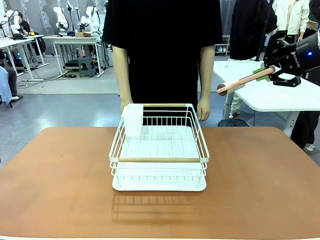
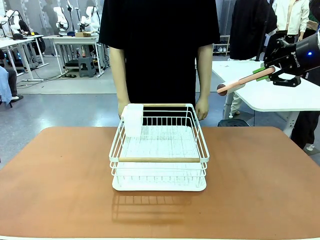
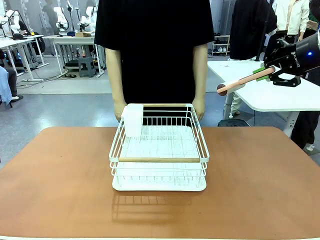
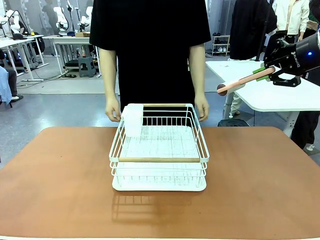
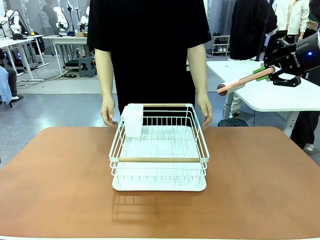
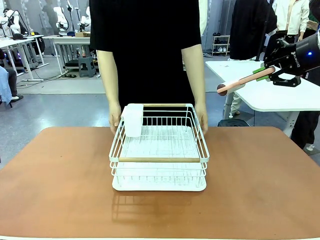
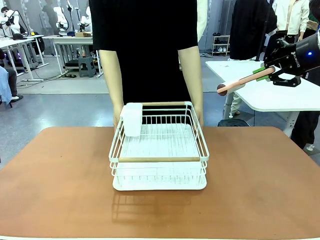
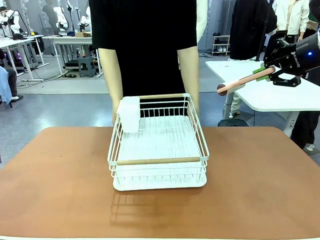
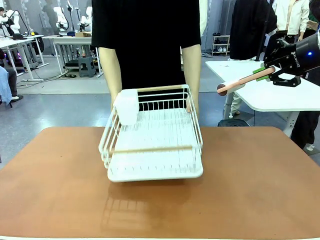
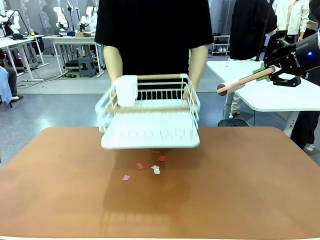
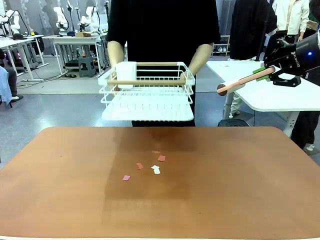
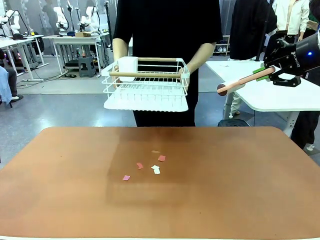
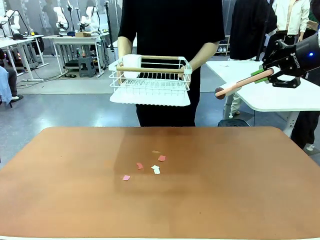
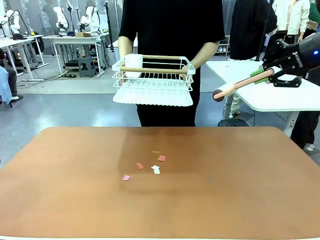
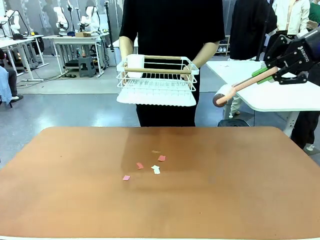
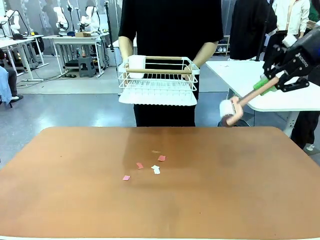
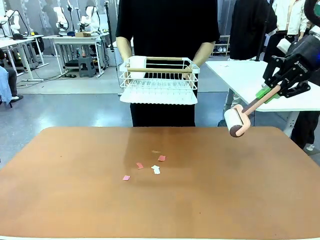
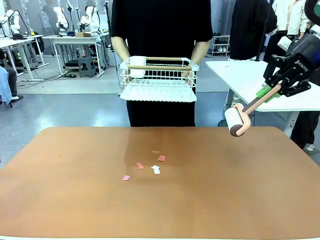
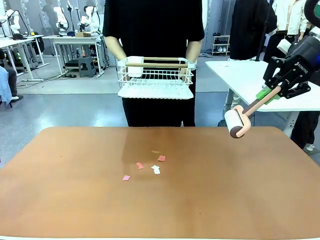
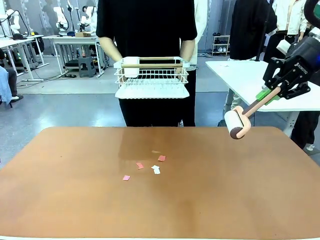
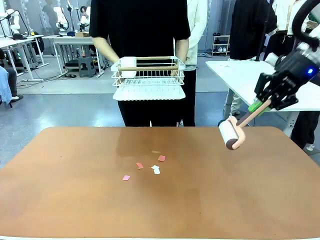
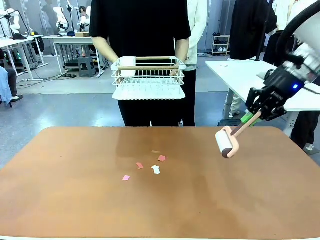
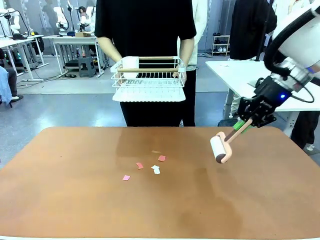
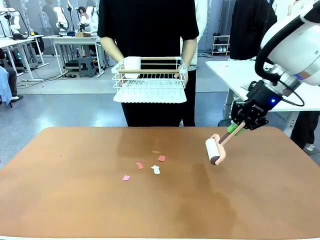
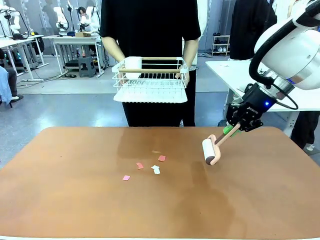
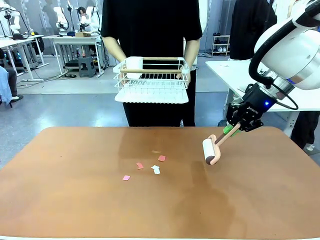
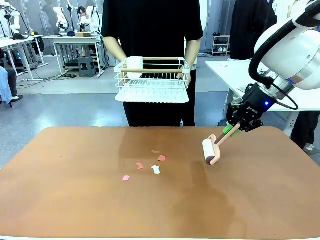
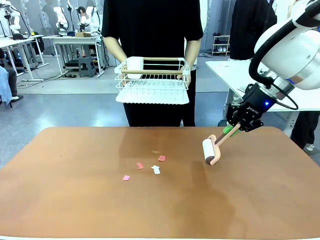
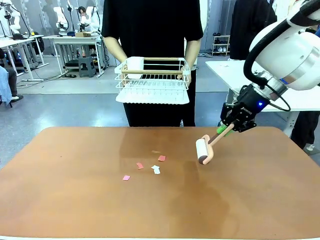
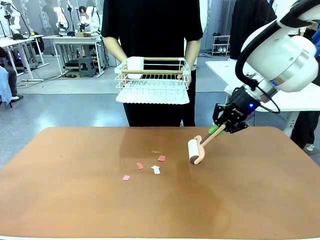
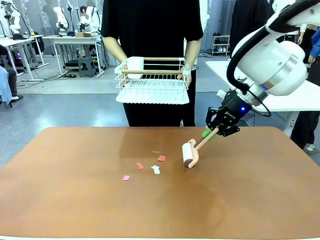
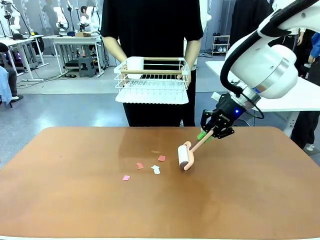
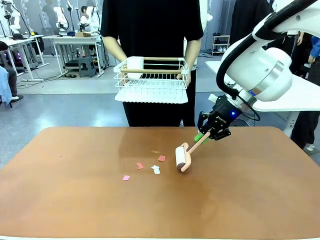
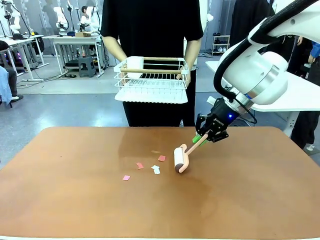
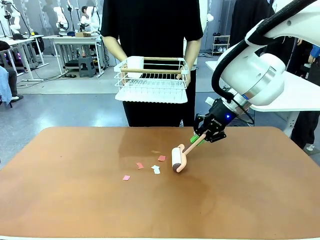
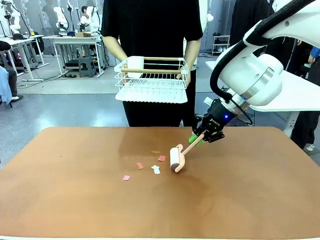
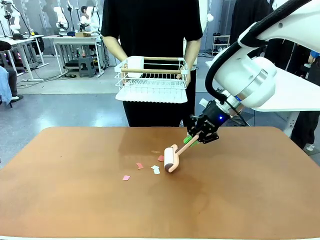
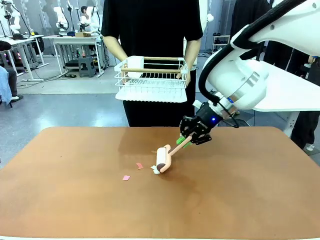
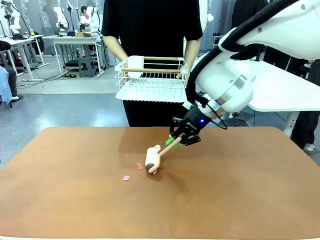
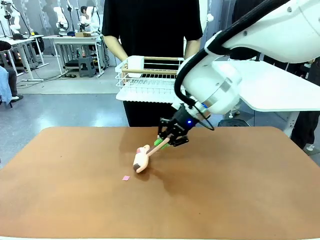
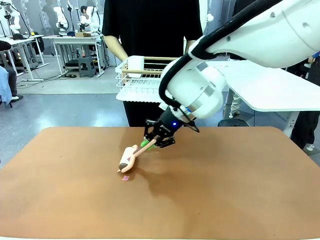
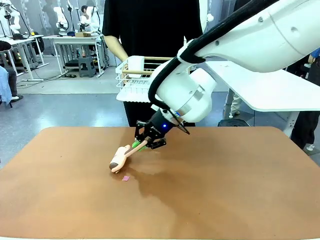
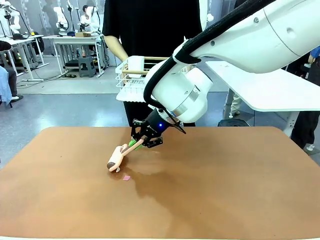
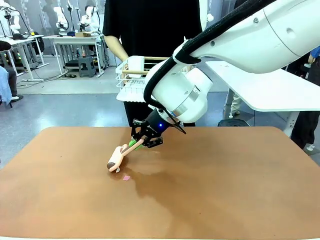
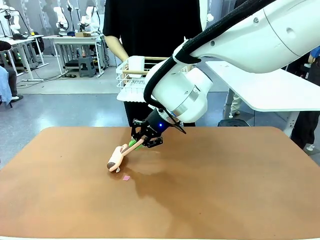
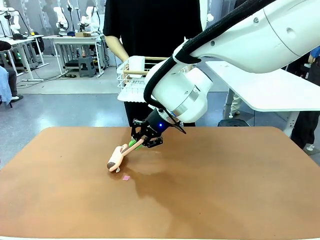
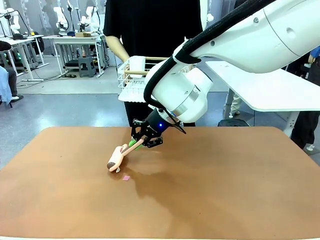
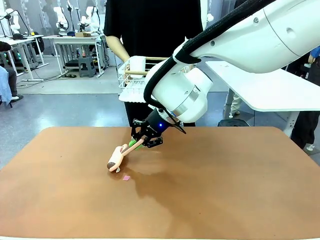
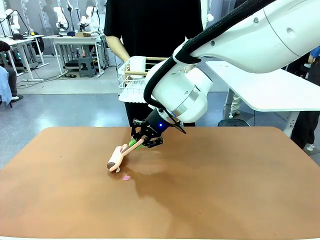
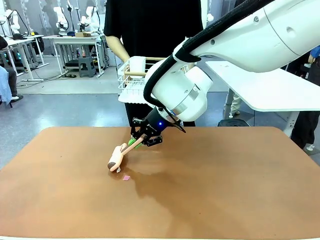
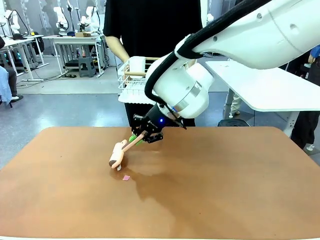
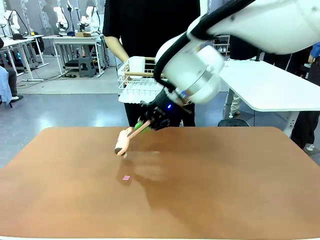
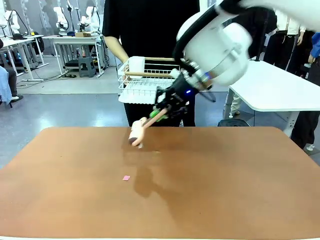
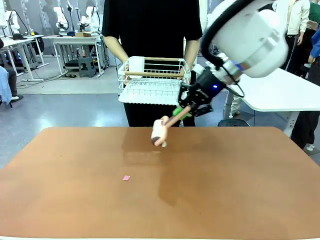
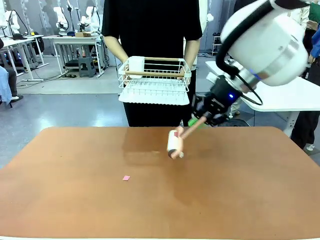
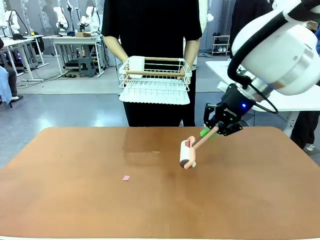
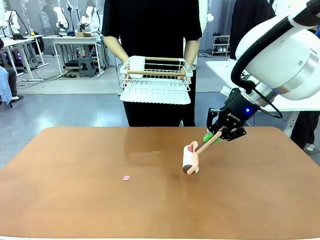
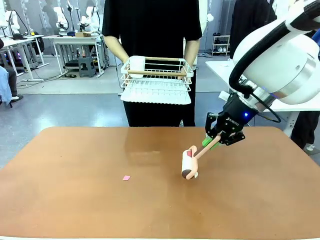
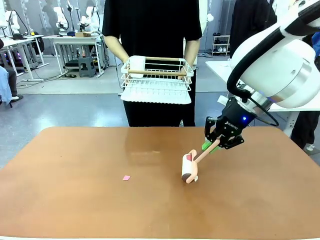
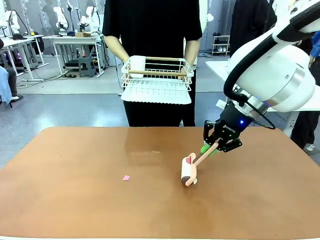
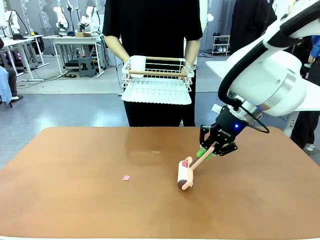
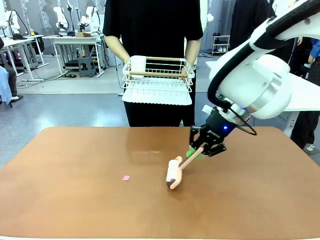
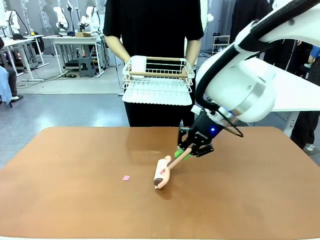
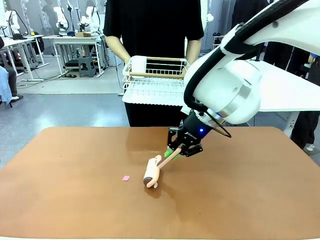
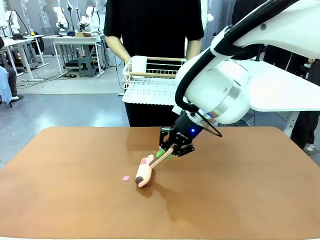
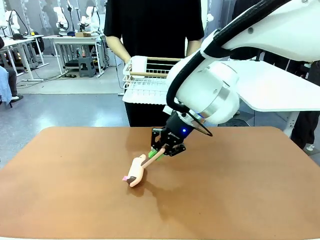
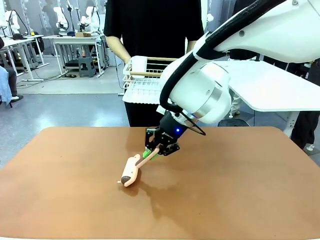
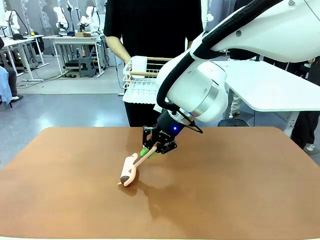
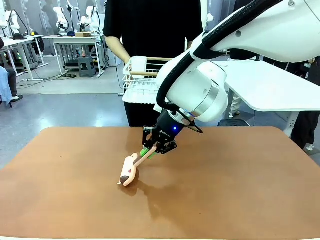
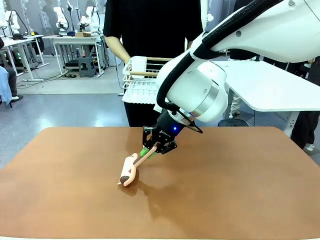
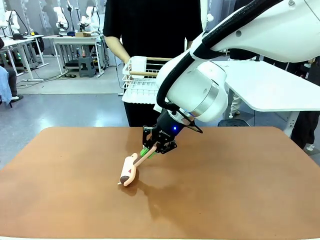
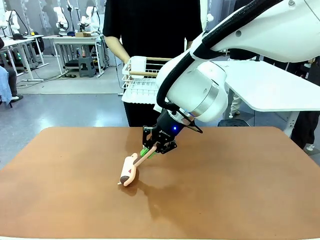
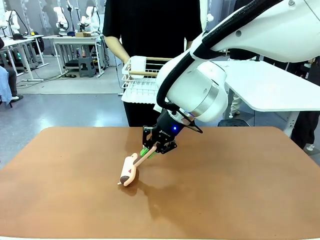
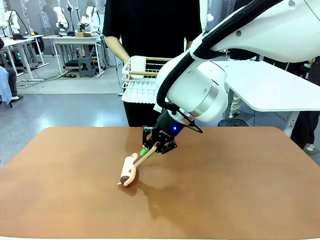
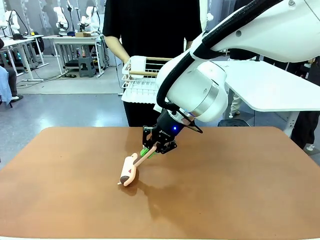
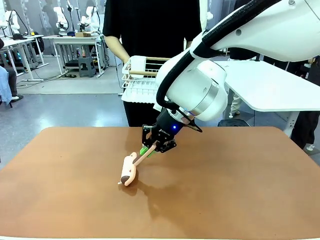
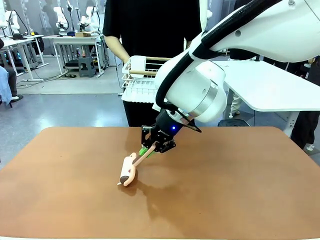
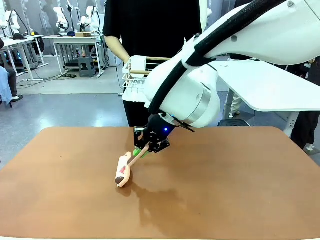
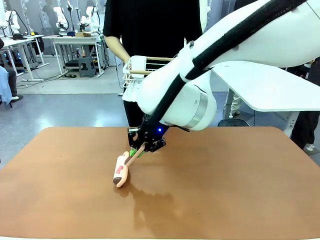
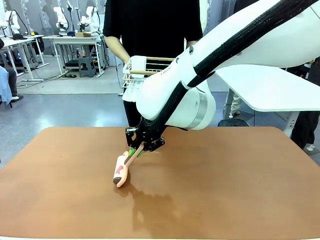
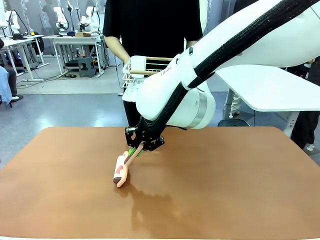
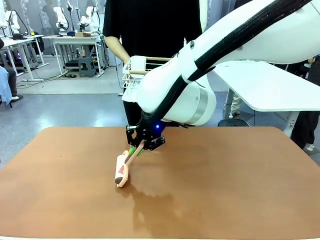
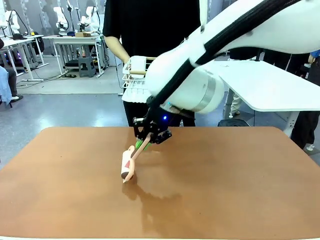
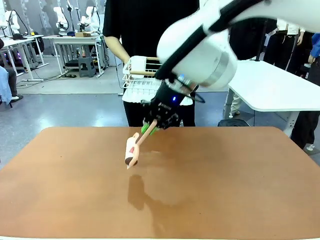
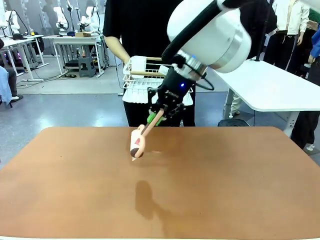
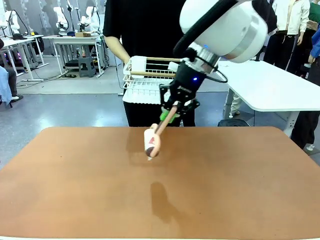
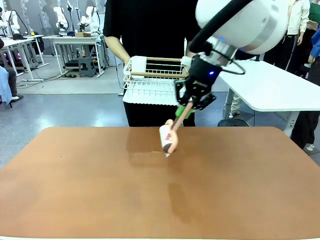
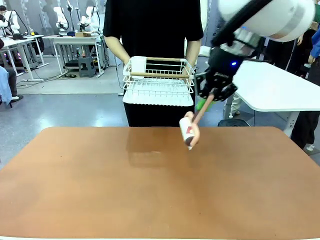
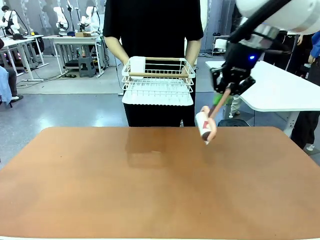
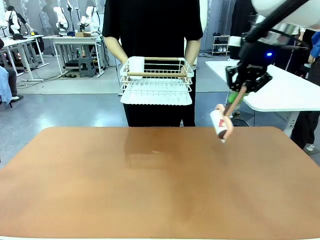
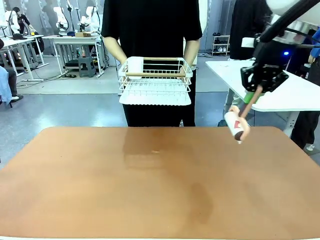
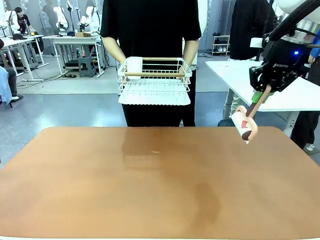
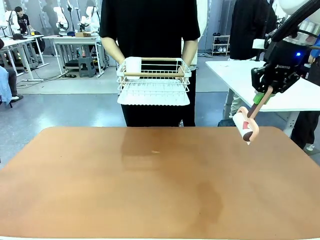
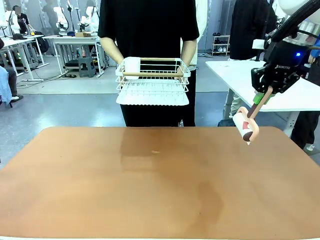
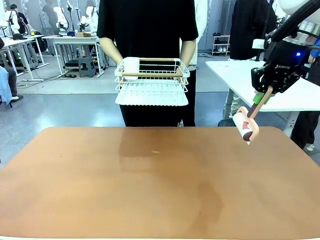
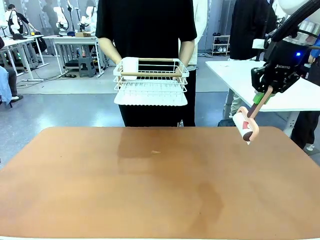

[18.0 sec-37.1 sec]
Task: Clean the table.
Robot: Clean the table with the Lint Roller when the human lifts the Dish drying rack.
Person: Place the Dish drying rack down when the robot finishes cleaning.
